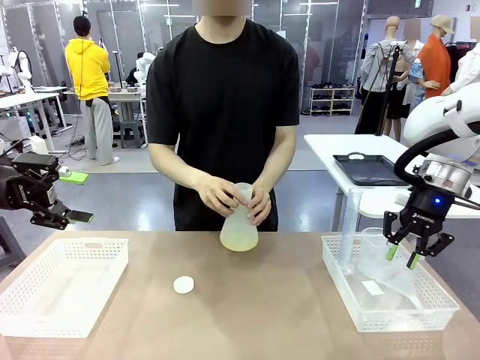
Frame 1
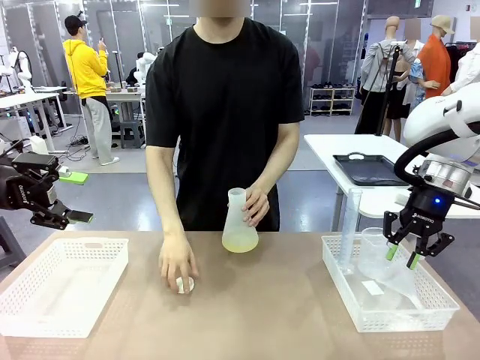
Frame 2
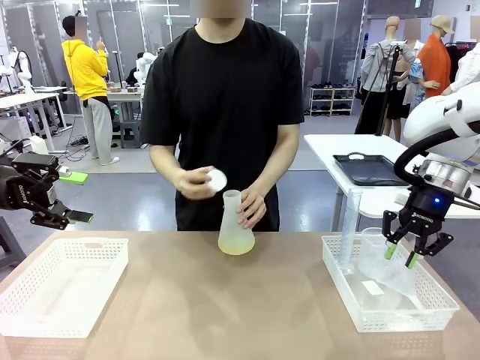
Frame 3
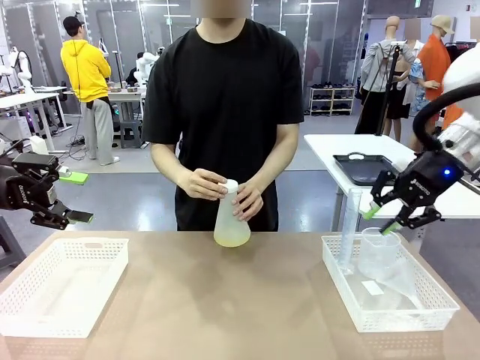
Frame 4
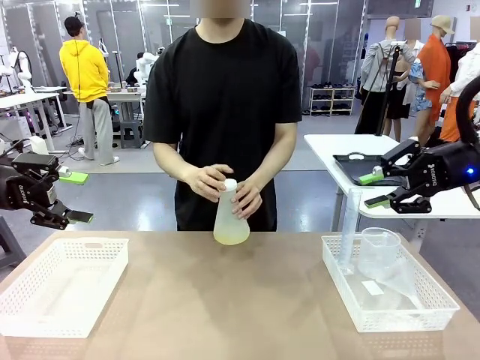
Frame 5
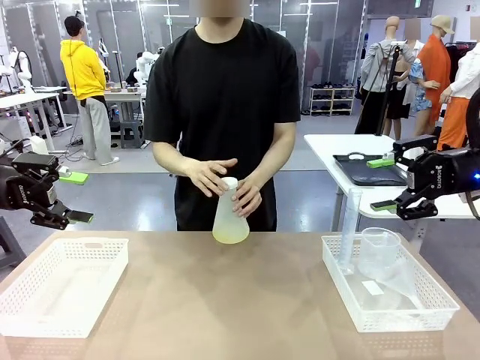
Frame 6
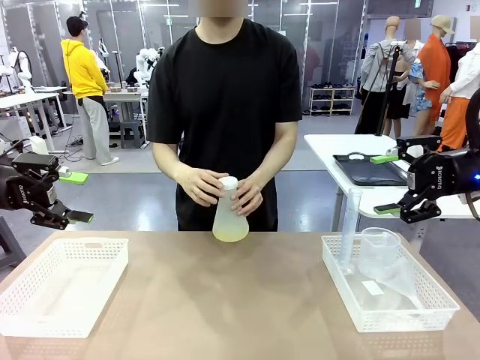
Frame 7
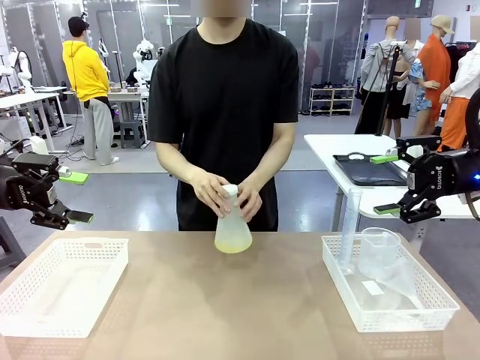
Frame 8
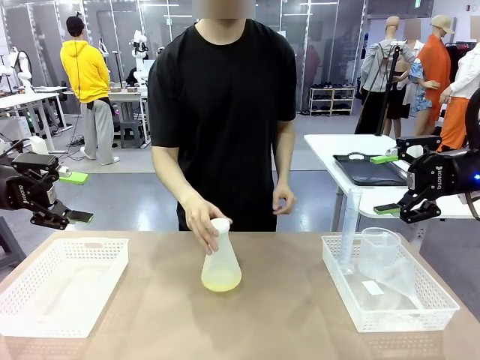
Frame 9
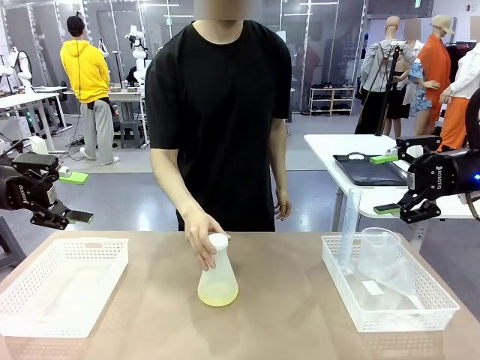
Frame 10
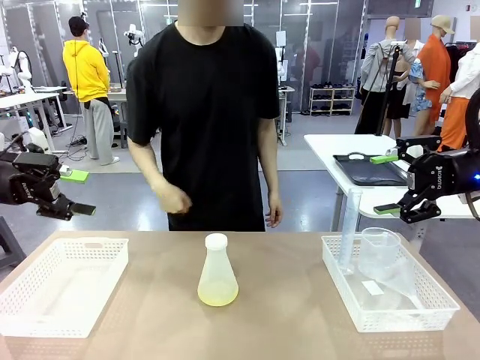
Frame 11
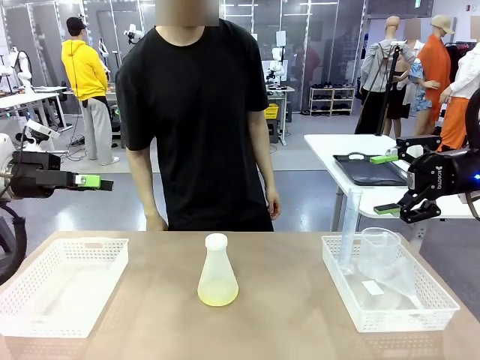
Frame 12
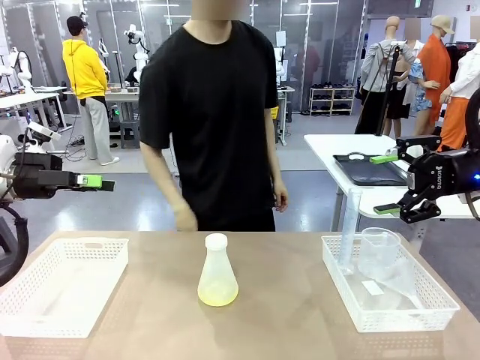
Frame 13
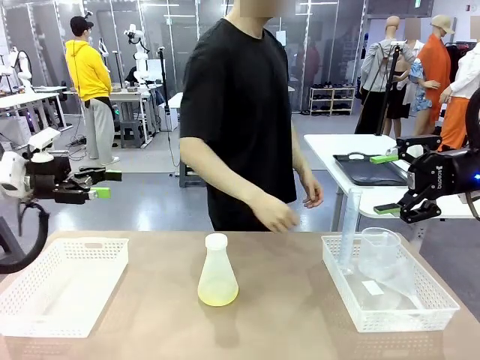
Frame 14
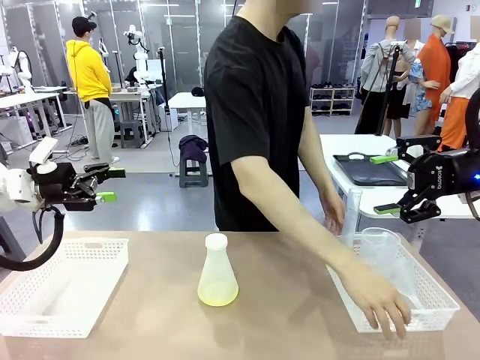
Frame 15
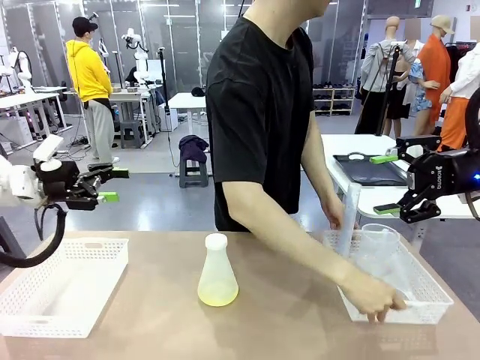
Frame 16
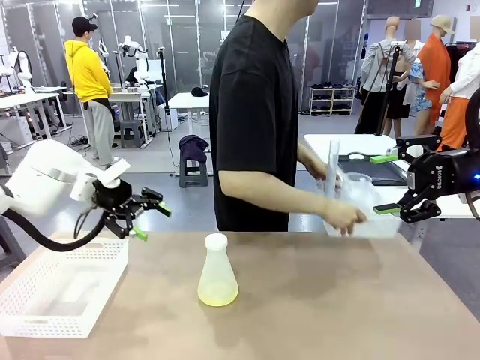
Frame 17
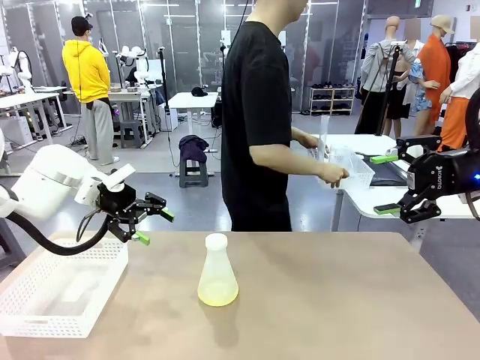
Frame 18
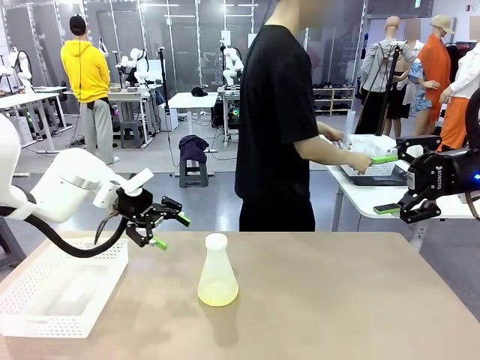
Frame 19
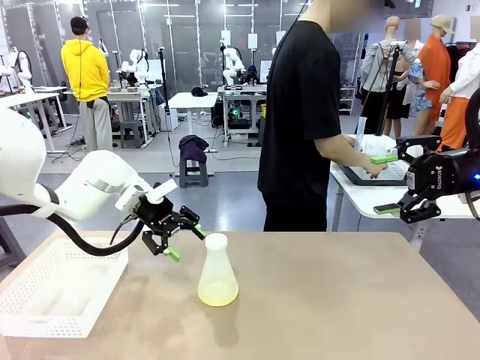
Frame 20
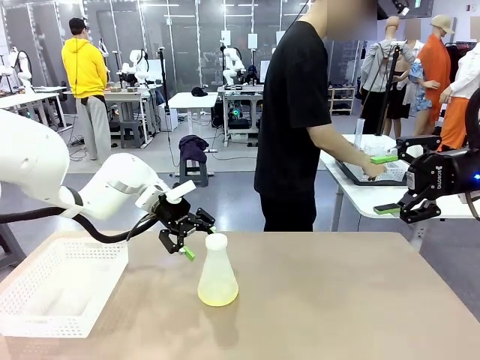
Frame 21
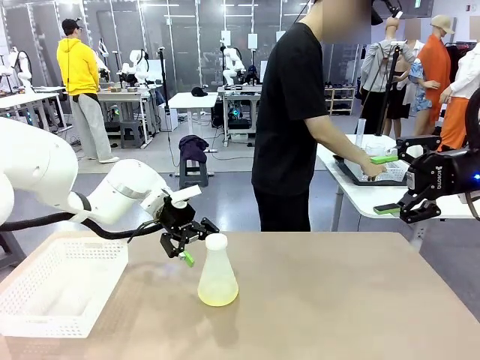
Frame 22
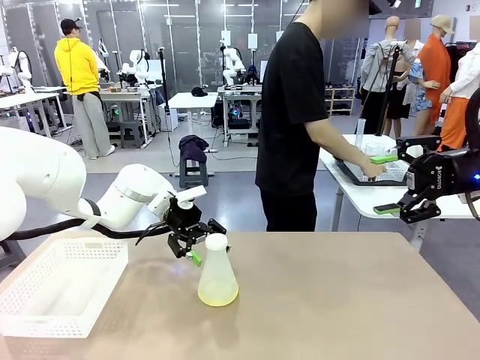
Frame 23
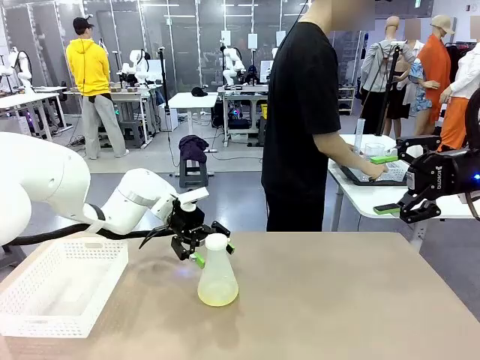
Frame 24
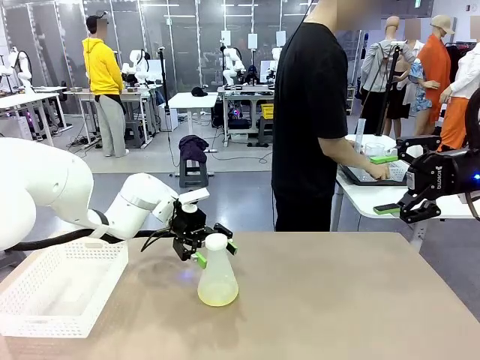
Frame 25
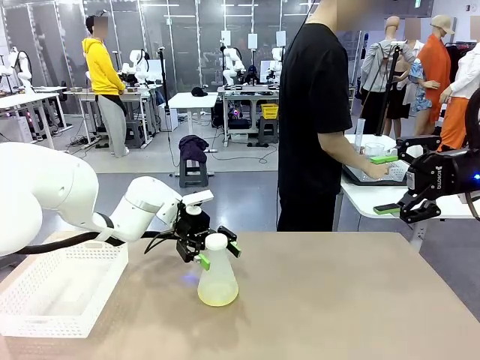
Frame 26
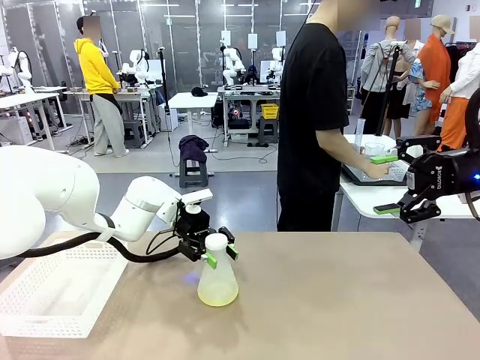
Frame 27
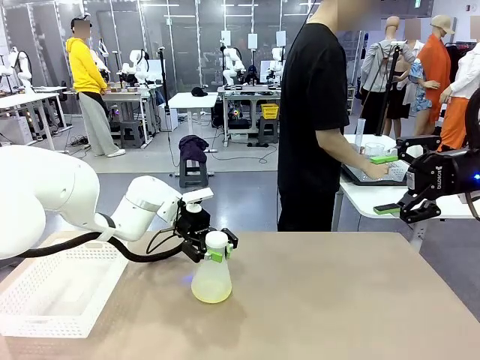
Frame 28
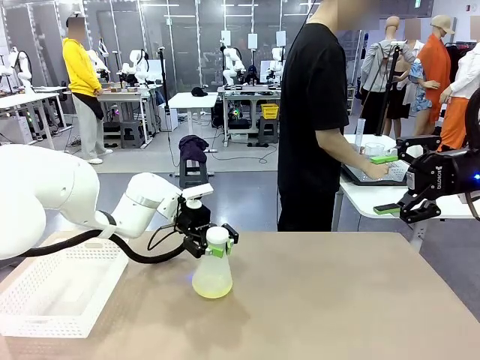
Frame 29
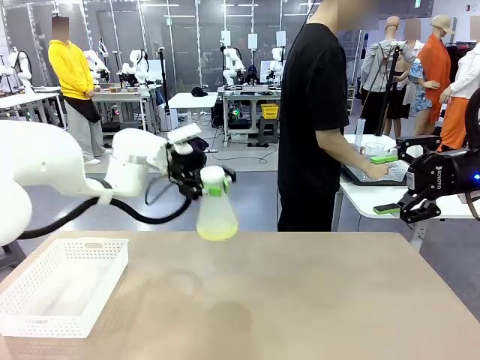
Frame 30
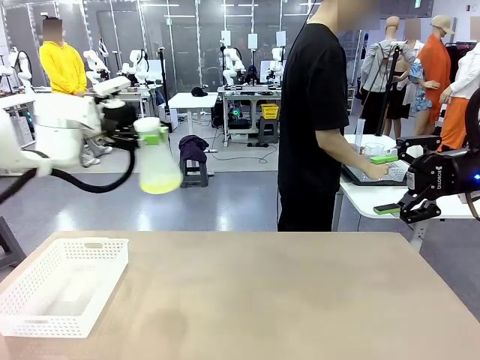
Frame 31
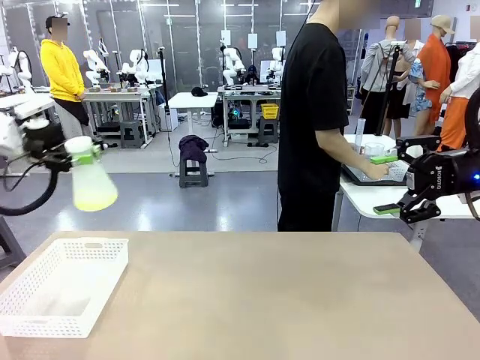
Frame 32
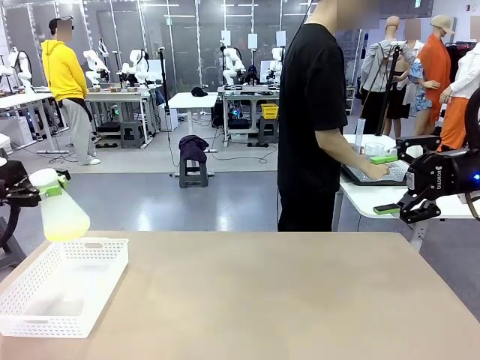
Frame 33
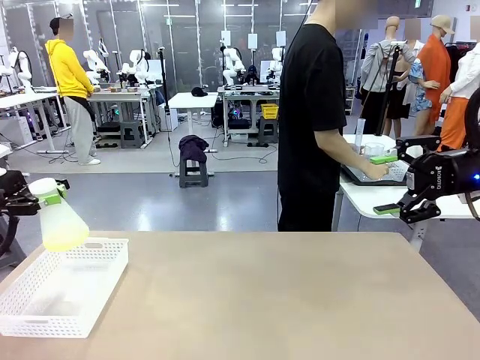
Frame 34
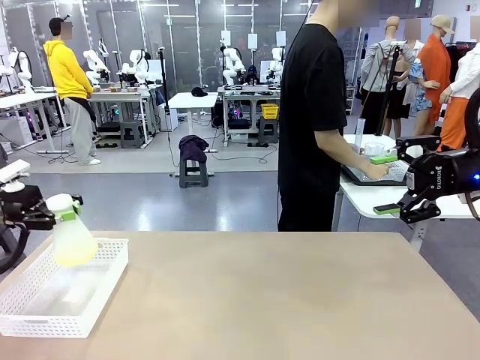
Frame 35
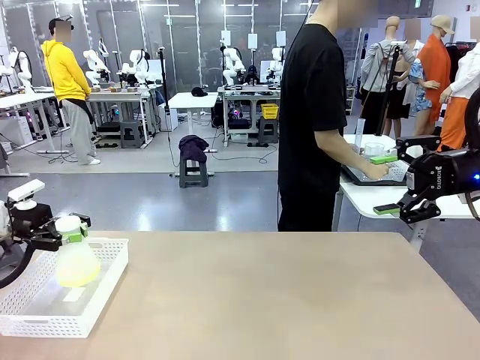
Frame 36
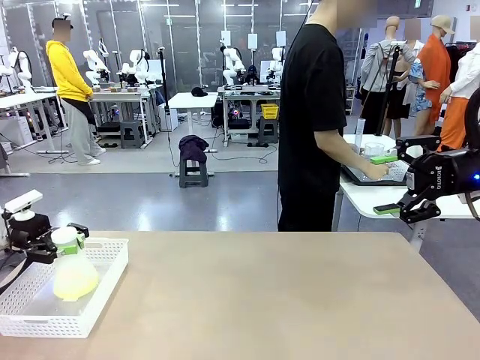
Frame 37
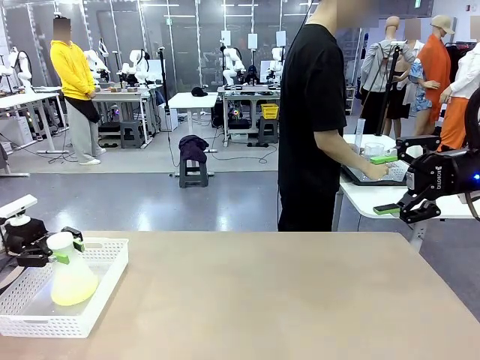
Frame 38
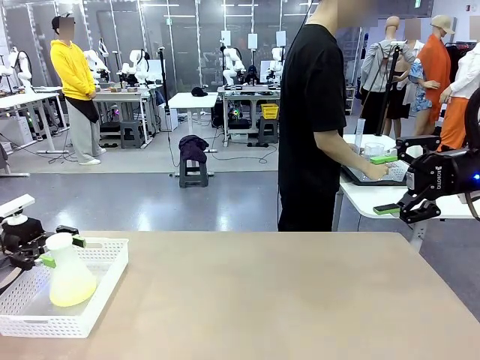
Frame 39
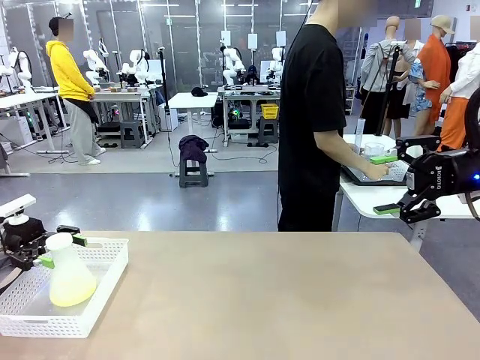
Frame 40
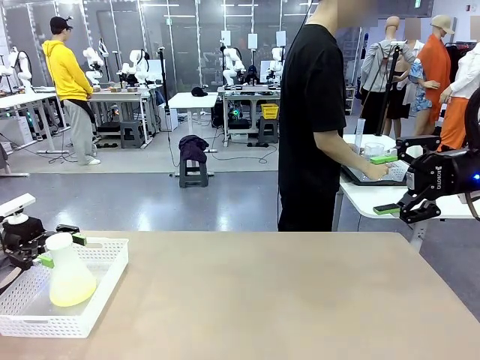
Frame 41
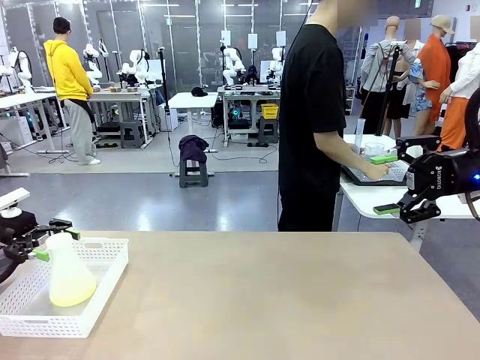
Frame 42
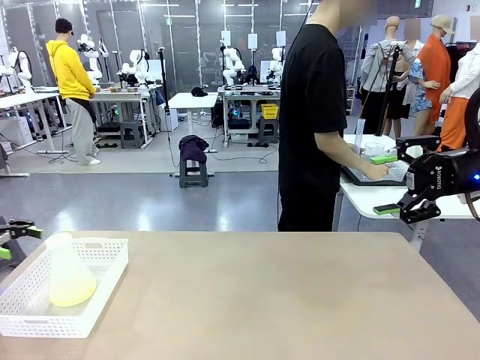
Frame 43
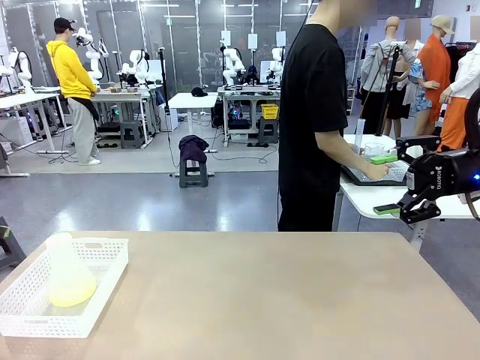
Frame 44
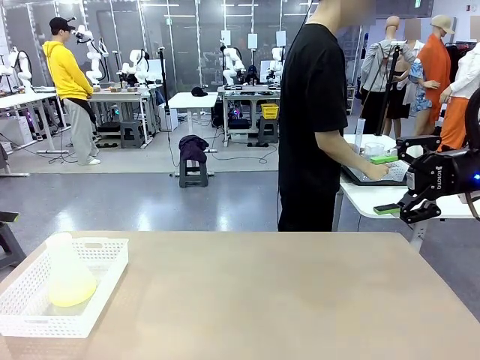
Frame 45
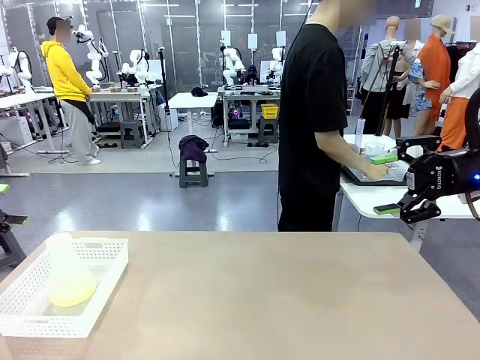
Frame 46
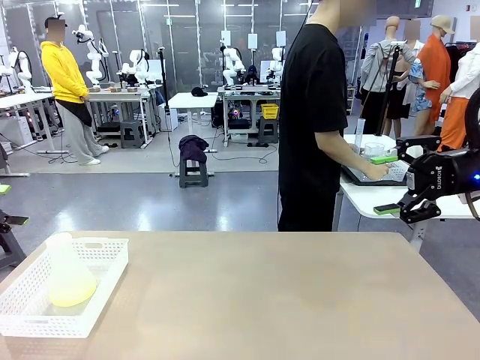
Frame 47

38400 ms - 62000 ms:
Task: Prepare the solutions needed for the experiment.
Robot: When the human places the Big flask in the center of the table, pick up the Big flask and place it in the left Organizing basket.
Person: Pick up the organizing basket on the left side of the robot table and place it on the left side of the human table.

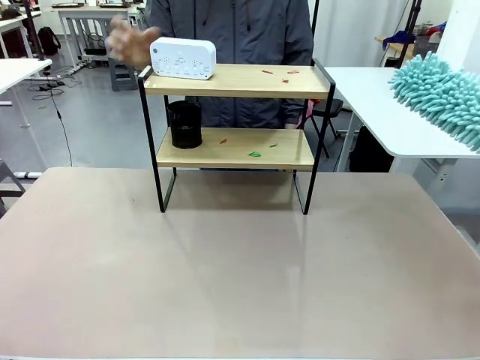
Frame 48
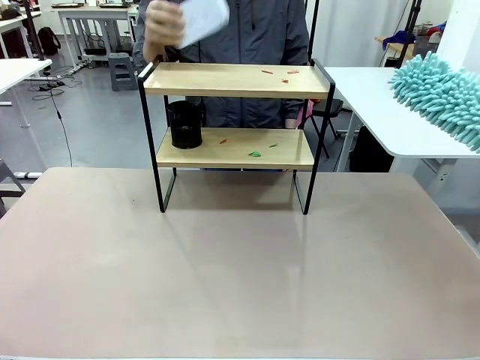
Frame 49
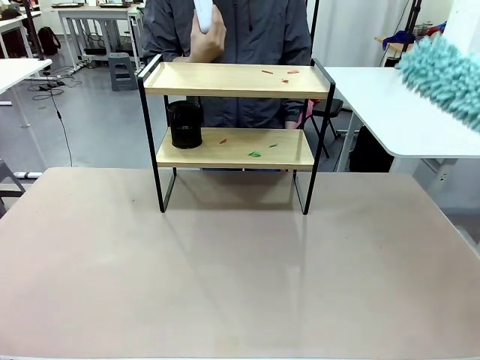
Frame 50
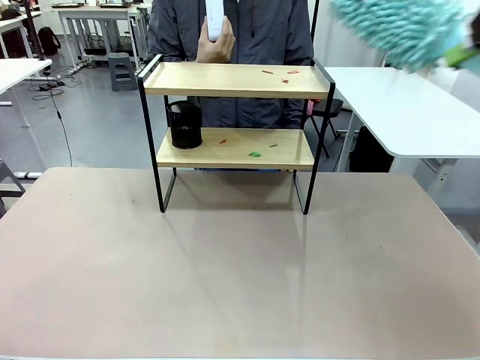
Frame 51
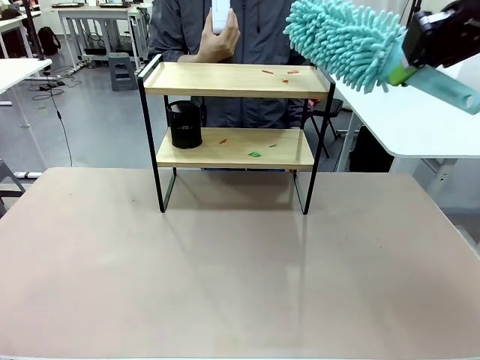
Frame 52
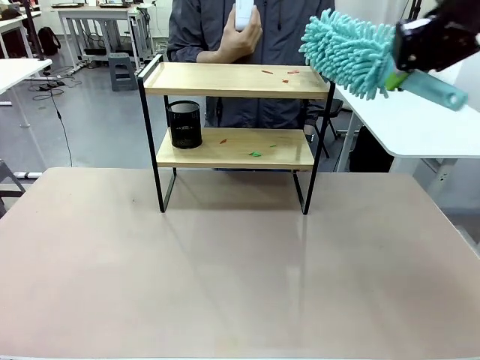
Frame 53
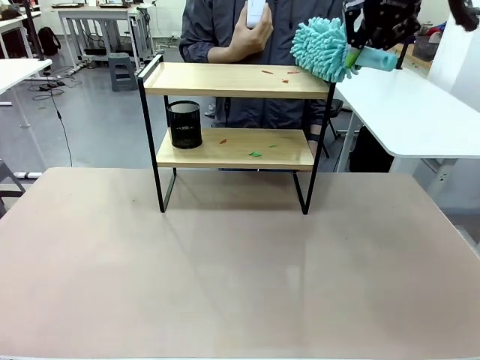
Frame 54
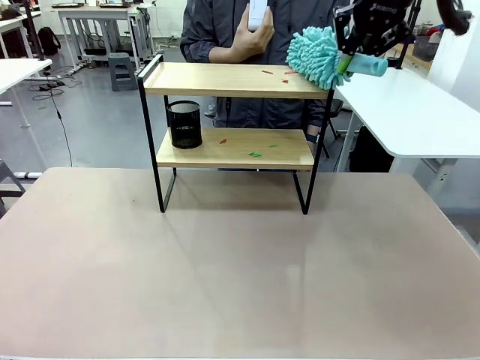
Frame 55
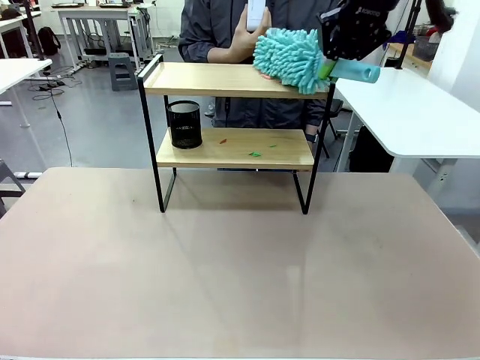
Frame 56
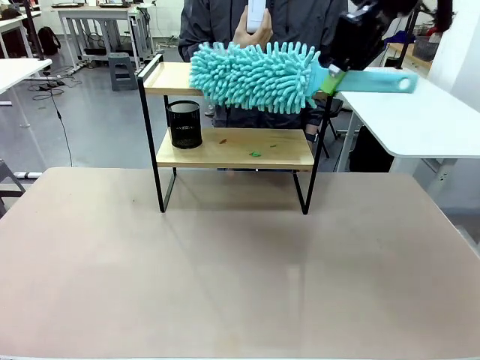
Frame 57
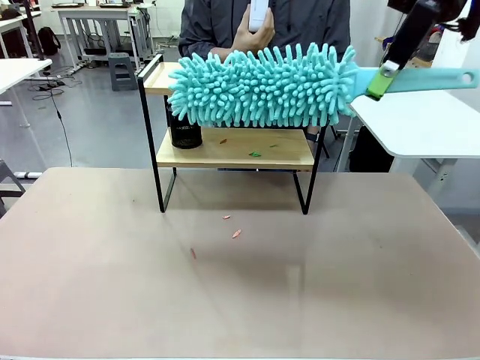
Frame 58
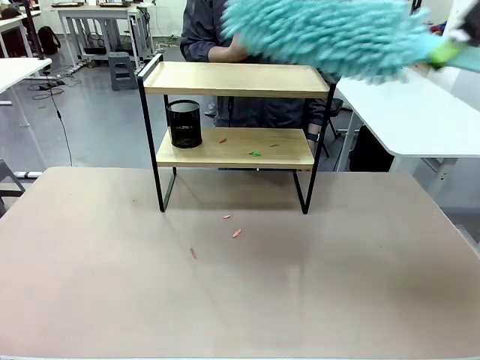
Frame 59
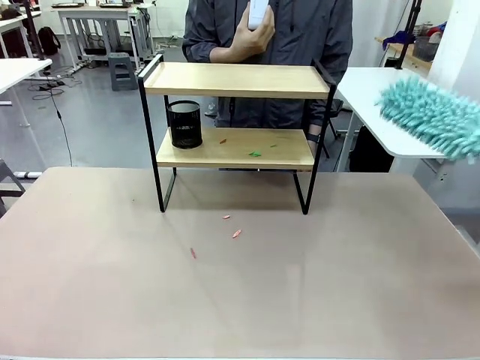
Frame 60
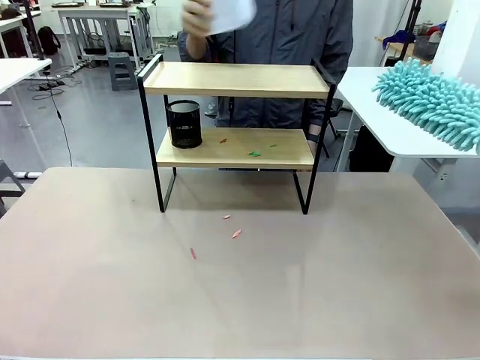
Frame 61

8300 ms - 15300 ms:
Task: Clean the shelf.
Robot: Clean the specific tier of the Shelf with the Duster once objects are removed.
Person: Lift the objects on a randomly selected tier of the Shelf. Once the robot finishes cleaning, lift the objects on the remaining tiers of the Shelf.
